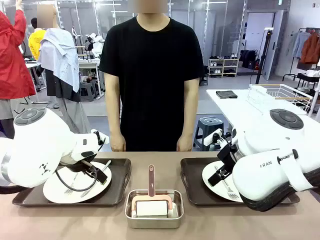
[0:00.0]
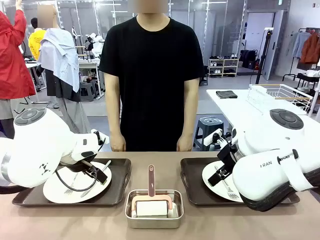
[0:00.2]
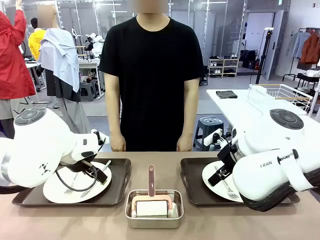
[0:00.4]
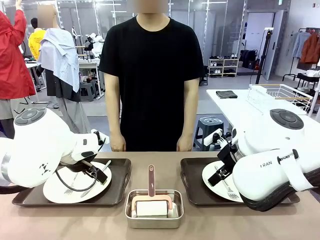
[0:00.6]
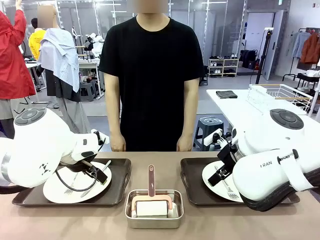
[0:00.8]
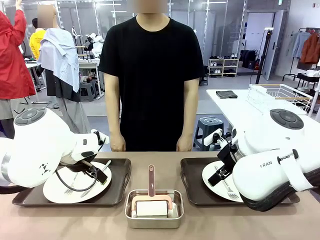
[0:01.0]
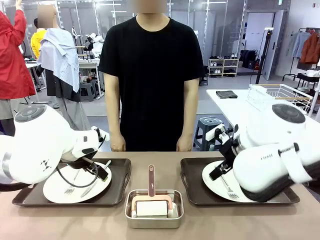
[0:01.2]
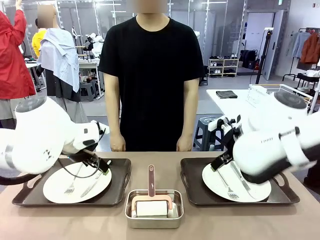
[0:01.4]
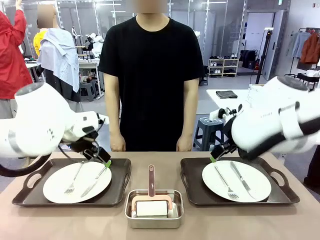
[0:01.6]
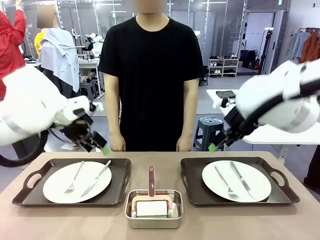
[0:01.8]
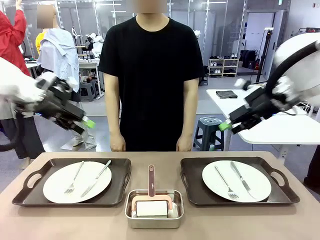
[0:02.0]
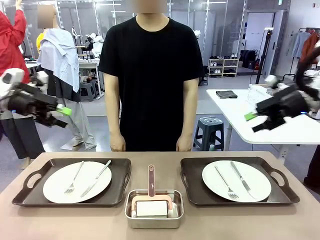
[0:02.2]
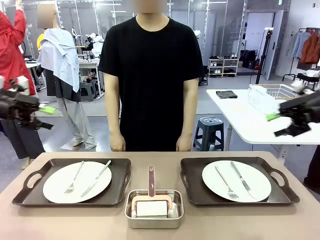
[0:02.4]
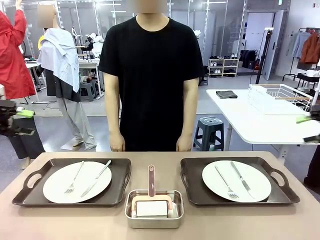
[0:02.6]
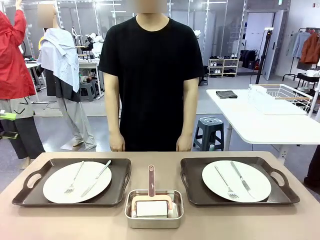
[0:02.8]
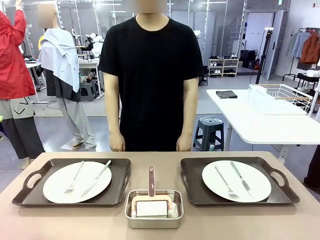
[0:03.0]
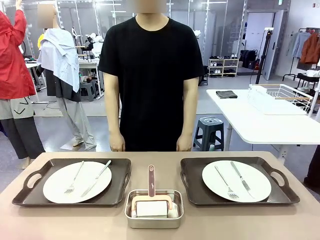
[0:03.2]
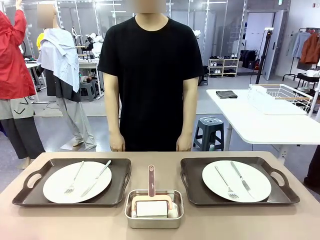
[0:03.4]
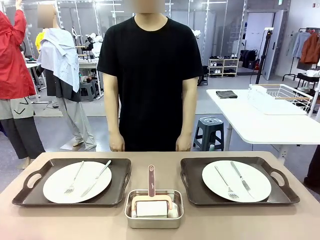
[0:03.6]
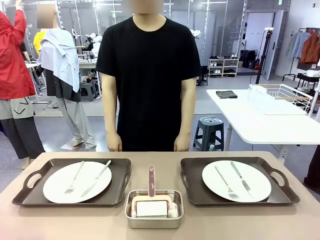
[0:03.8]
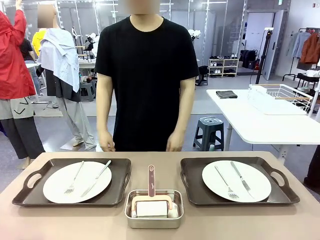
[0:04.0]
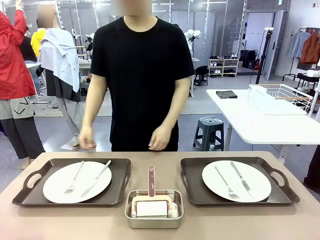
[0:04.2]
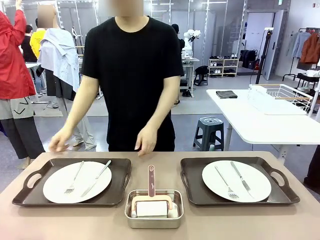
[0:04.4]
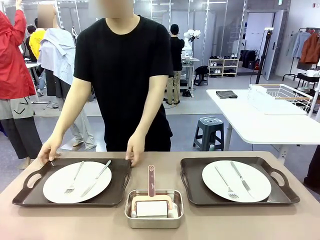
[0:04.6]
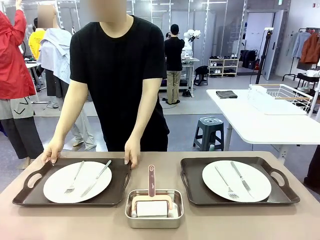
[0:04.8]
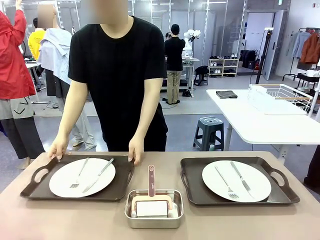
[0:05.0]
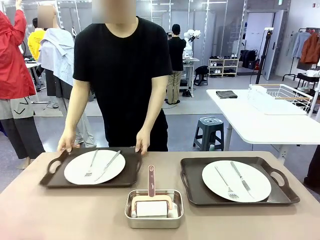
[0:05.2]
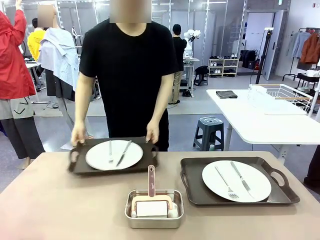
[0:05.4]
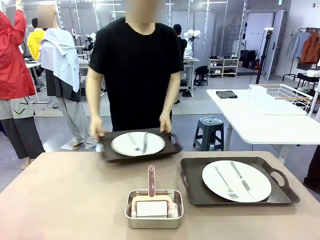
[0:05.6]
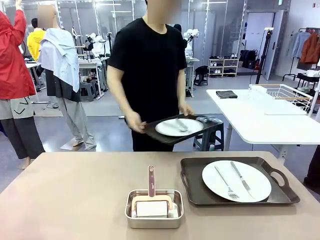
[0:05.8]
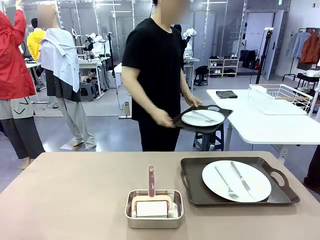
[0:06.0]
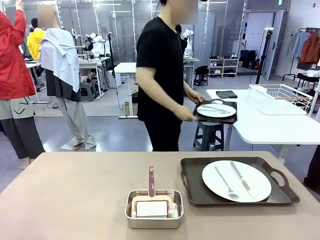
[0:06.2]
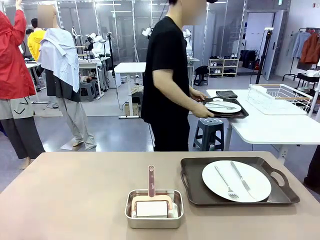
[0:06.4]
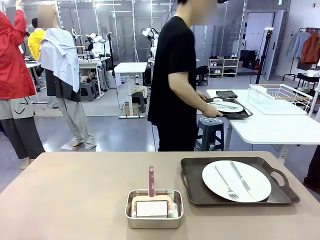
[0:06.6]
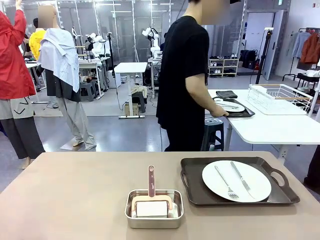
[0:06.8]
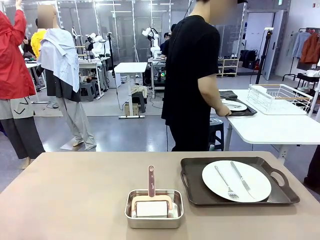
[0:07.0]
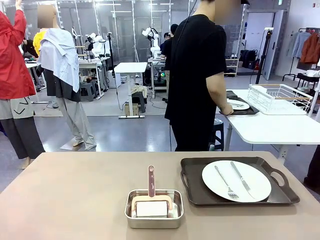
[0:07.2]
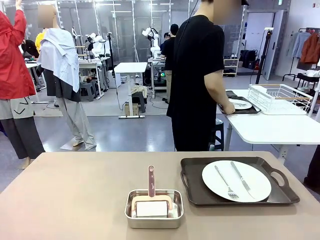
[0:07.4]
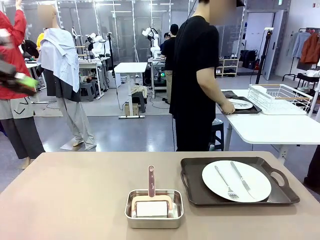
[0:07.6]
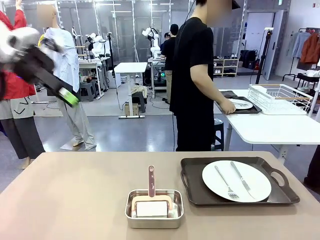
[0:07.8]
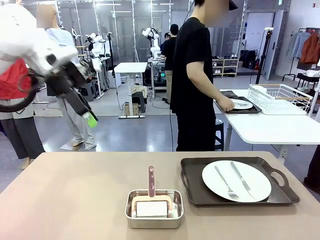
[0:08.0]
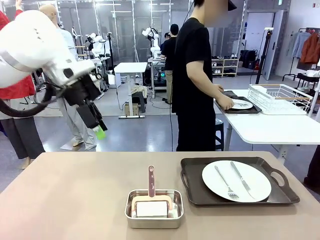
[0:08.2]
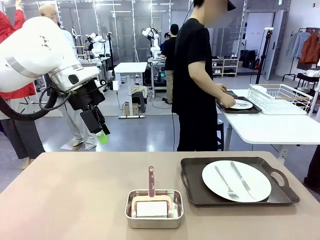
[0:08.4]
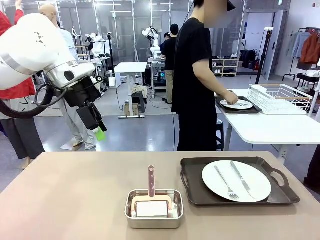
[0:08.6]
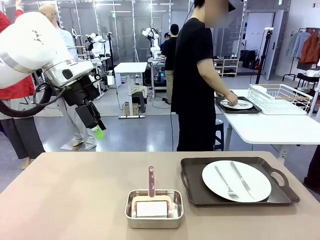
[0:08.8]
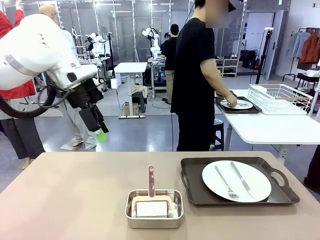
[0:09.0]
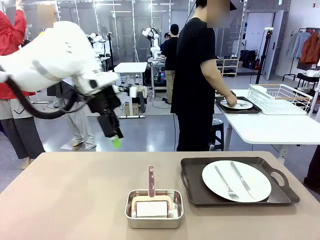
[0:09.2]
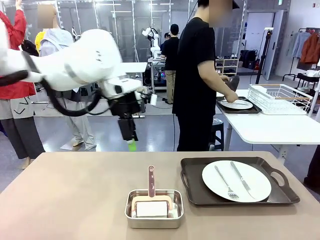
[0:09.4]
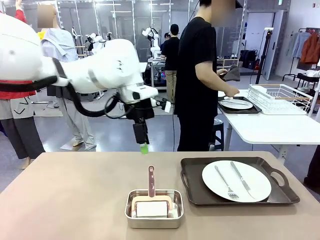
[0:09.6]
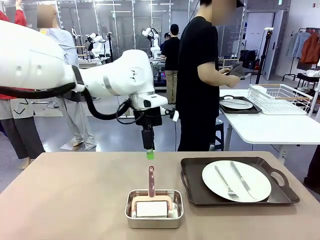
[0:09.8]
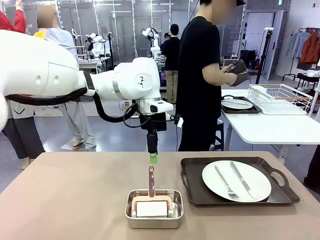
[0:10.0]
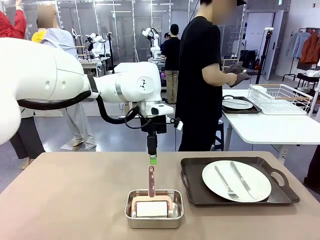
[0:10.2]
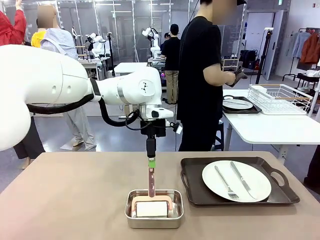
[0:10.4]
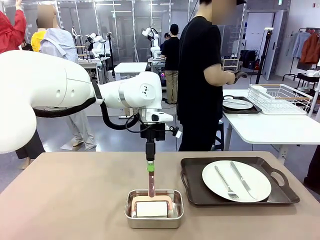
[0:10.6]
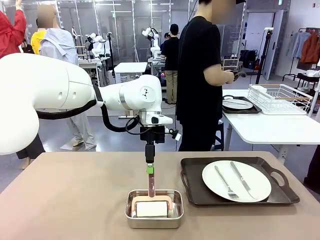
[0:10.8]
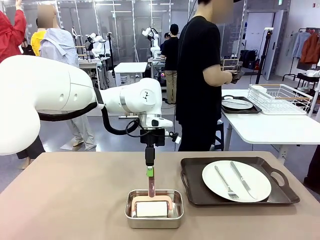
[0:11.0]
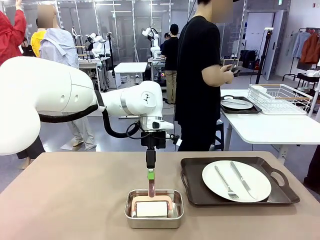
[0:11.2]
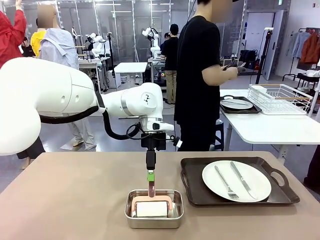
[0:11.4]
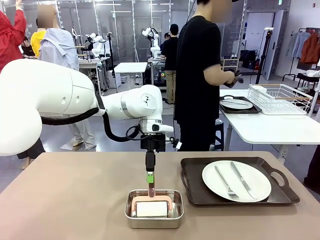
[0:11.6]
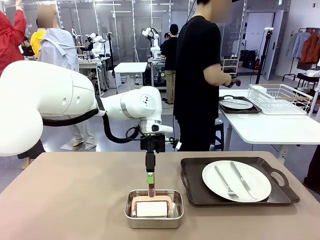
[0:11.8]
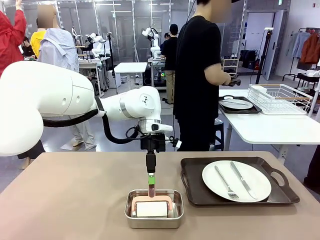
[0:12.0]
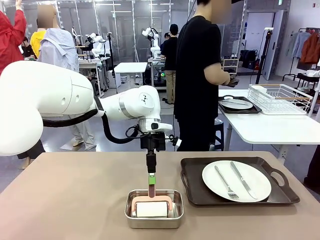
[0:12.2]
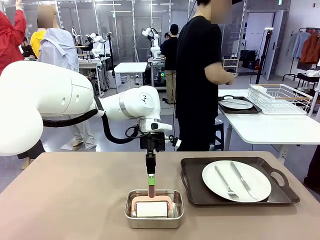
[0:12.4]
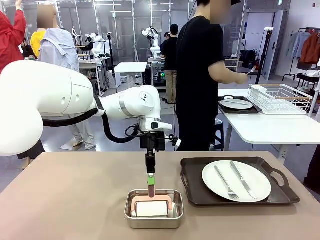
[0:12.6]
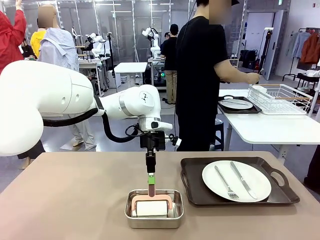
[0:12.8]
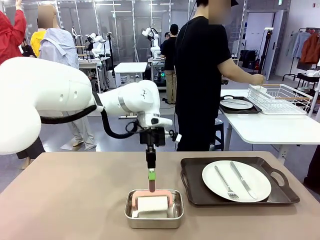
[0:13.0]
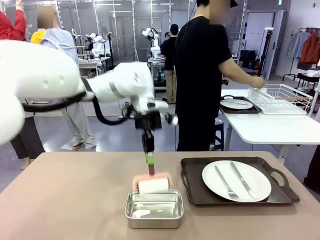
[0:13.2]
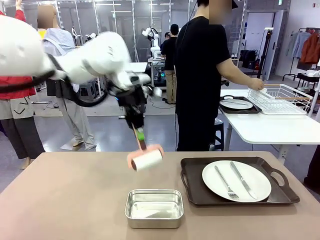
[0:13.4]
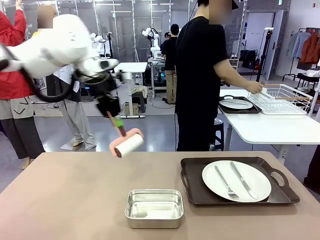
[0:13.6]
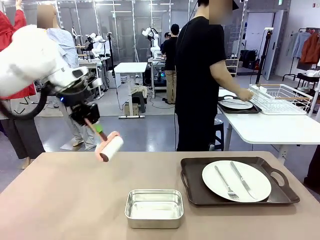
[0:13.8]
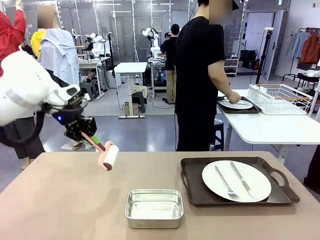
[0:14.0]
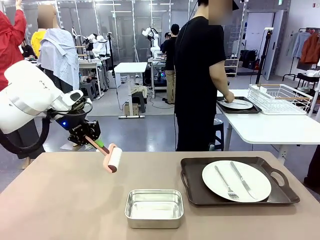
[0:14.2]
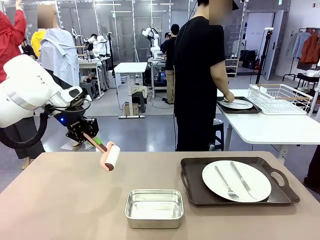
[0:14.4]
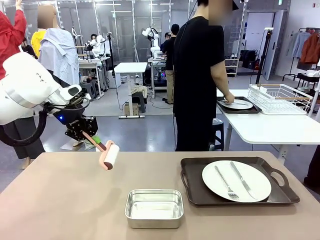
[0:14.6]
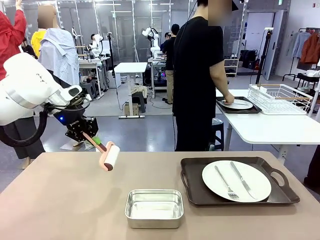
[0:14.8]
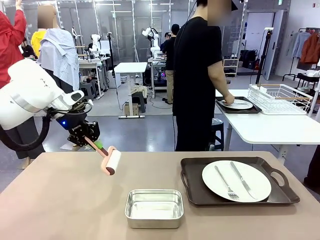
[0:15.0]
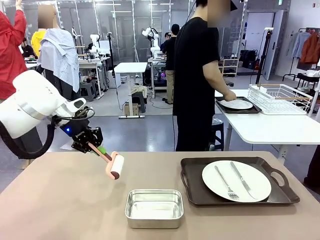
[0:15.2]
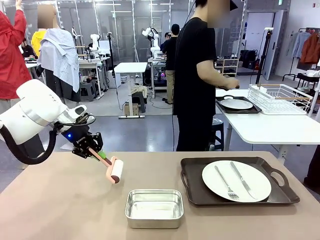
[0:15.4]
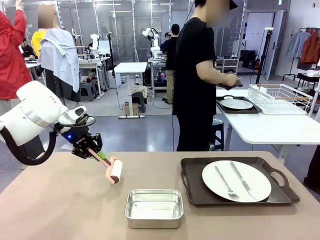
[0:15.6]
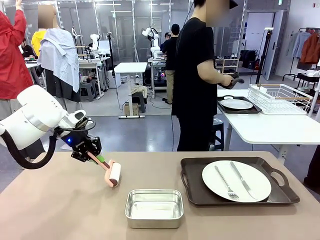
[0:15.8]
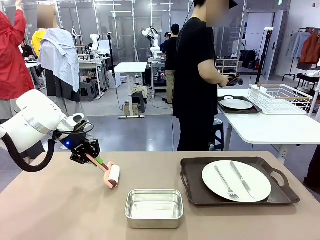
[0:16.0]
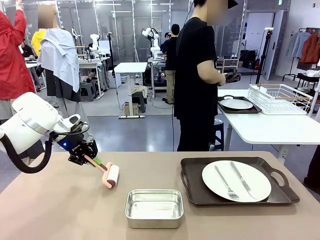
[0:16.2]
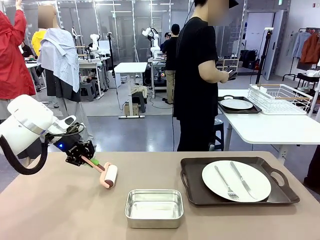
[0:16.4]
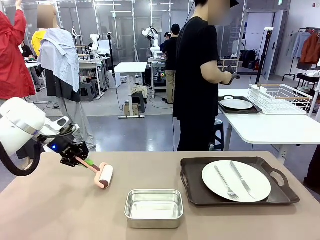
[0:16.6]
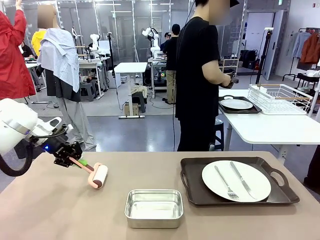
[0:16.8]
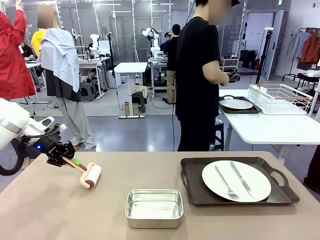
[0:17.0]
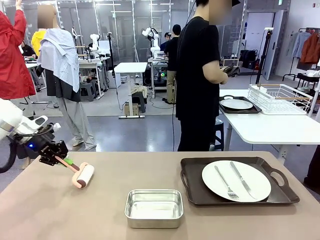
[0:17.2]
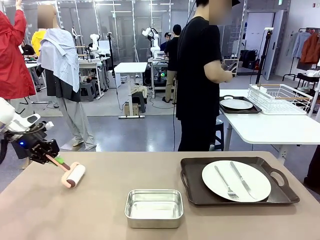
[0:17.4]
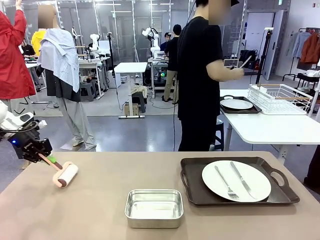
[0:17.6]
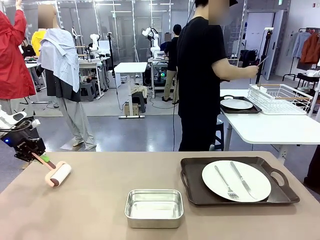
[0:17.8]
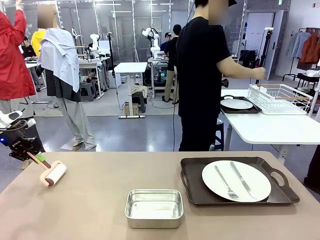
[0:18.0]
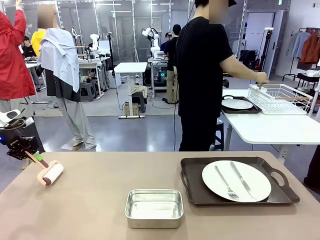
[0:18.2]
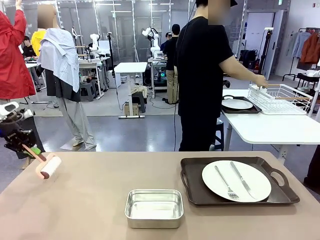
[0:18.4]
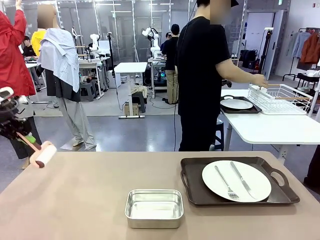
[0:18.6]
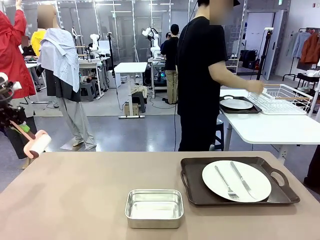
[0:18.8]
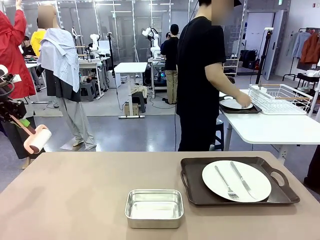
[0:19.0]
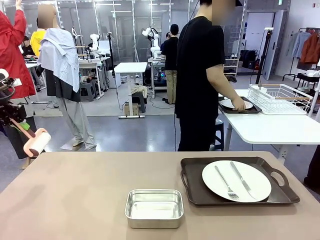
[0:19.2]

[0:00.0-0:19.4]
Robot: When the left (or right) Handle tray is removed, use the left hand (or right hand) to clean the left (or right) side of the table with the Lint Roller.
Person: Pick up the left (or right) Handle tray and place it on the middle of the Human's table. Use the Towel with hook to wipe the Plastic Matte Plate , Fork , and Knife and place into the Dish drying rack.

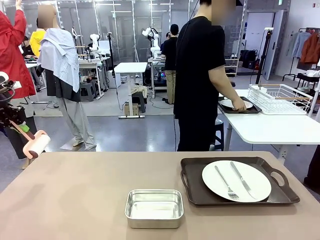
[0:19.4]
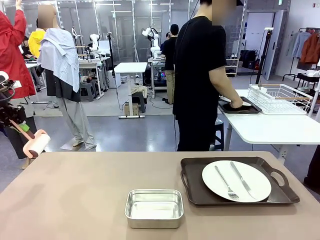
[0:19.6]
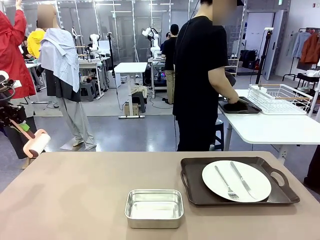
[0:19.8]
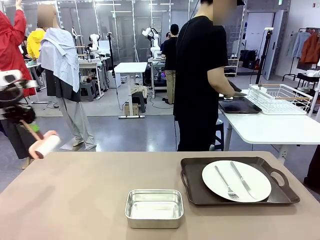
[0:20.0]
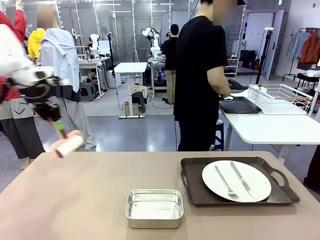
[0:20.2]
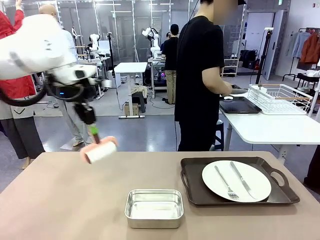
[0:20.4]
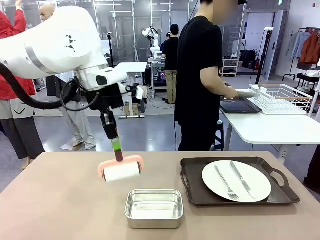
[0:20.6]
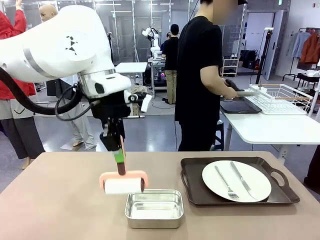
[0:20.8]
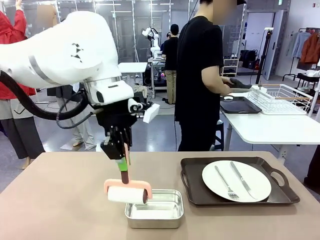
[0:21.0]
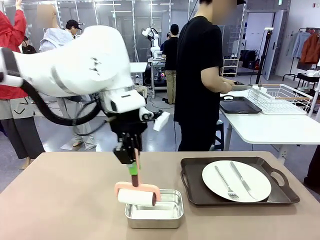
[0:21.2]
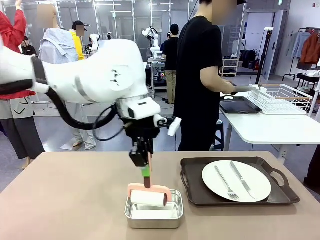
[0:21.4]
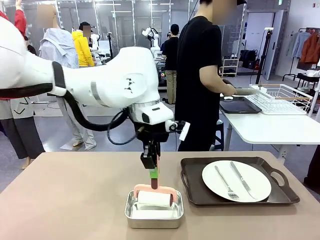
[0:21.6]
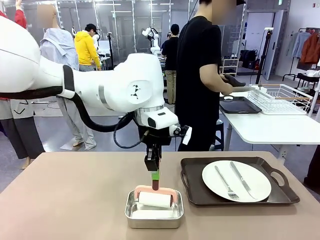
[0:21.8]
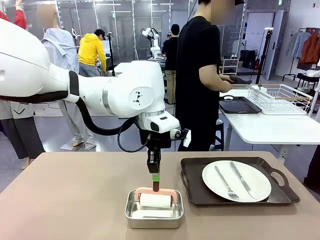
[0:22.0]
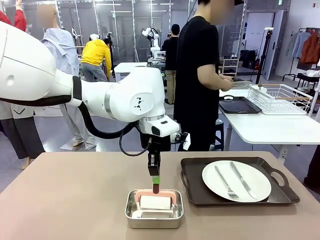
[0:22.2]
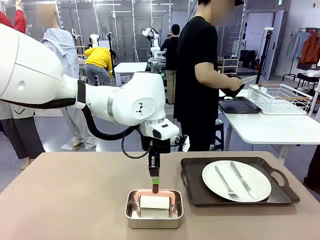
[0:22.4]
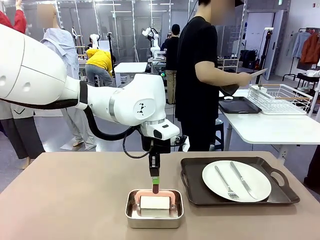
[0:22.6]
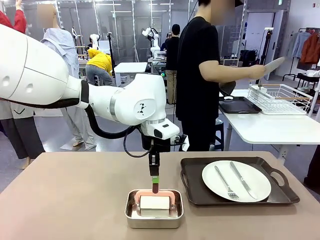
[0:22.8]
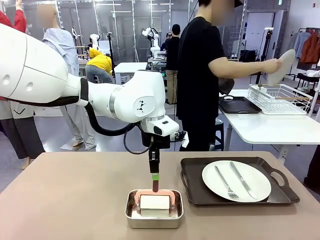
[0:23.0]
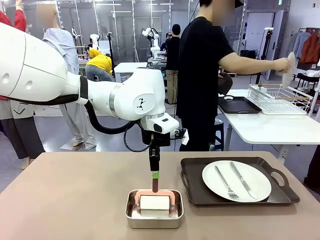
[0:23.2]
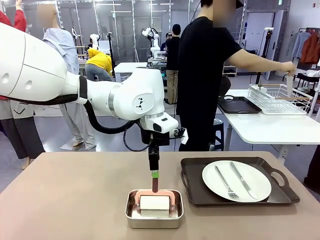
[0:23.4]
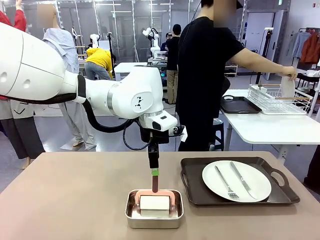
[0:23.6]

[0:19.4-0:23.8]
Robot: Place the Lint Roller back on top of the Airtight Container.
